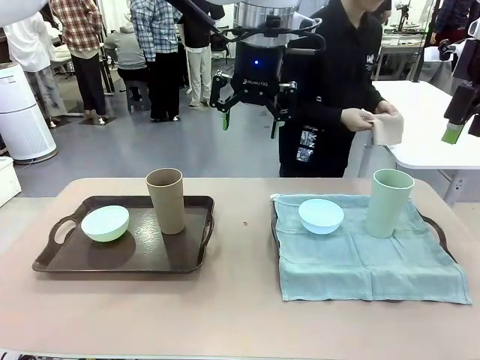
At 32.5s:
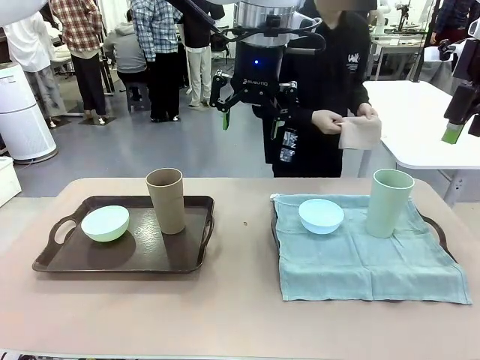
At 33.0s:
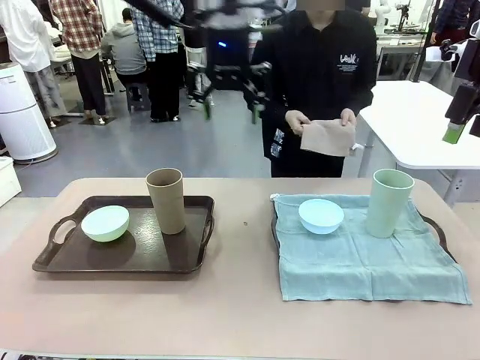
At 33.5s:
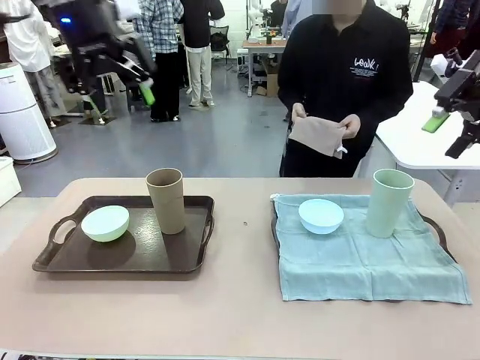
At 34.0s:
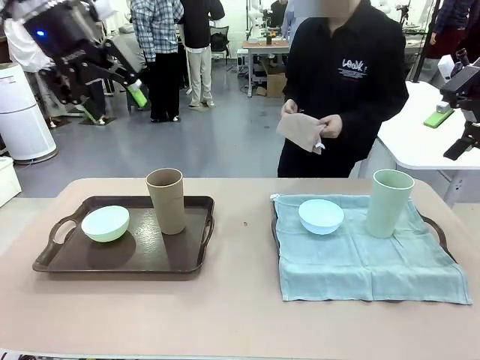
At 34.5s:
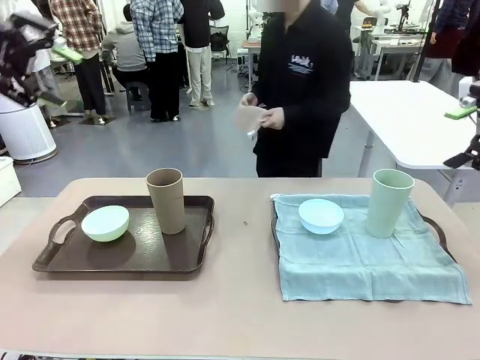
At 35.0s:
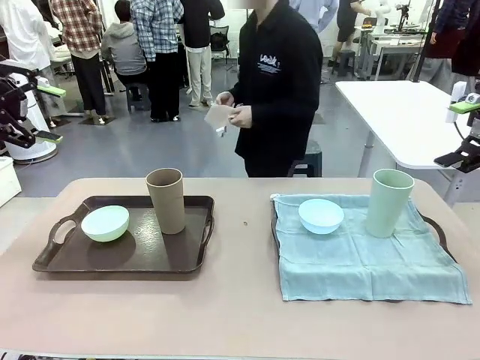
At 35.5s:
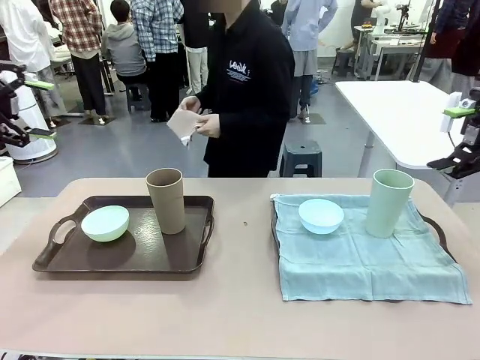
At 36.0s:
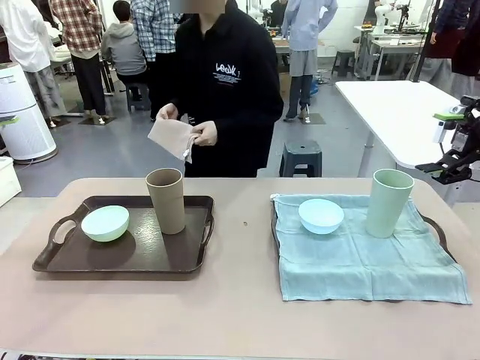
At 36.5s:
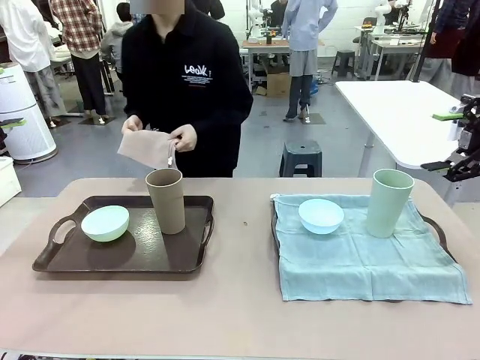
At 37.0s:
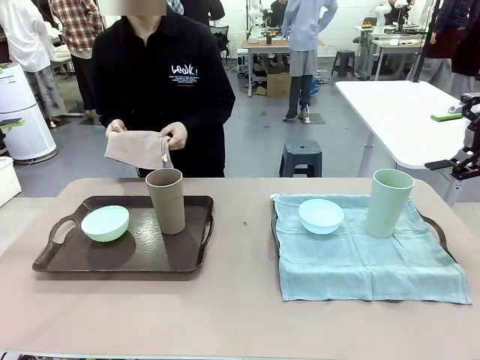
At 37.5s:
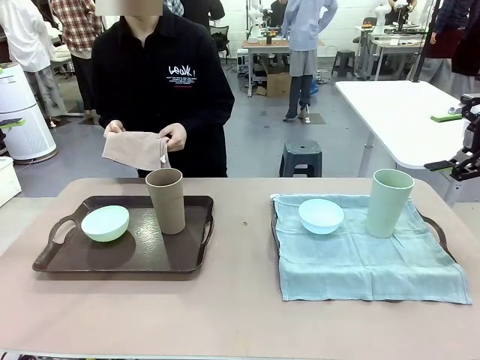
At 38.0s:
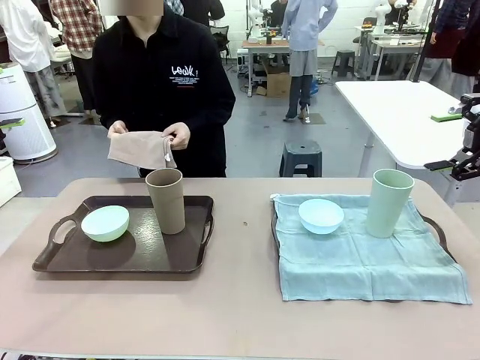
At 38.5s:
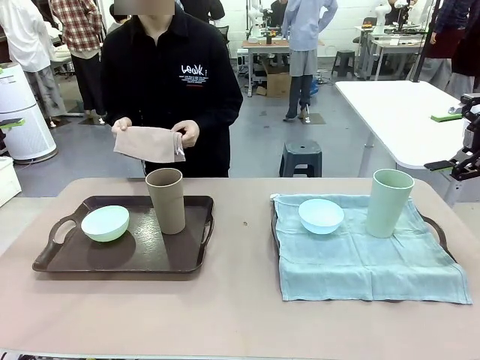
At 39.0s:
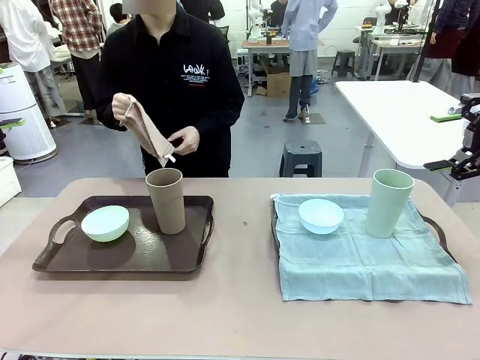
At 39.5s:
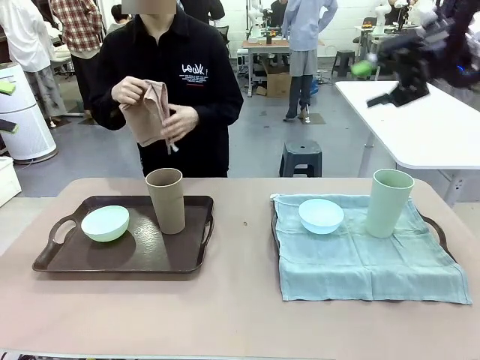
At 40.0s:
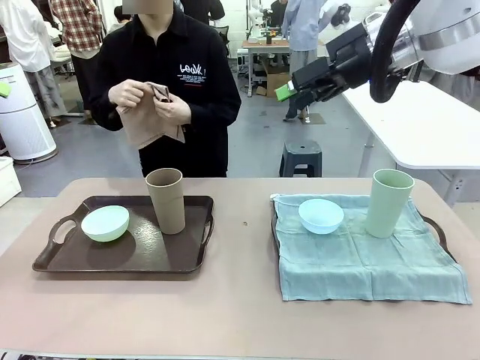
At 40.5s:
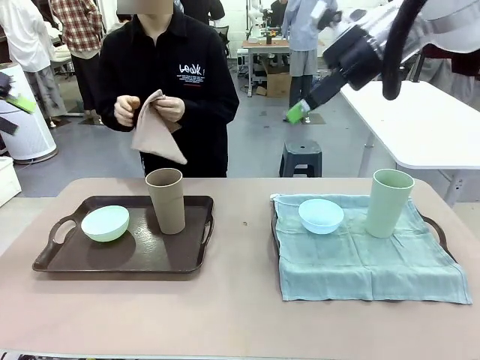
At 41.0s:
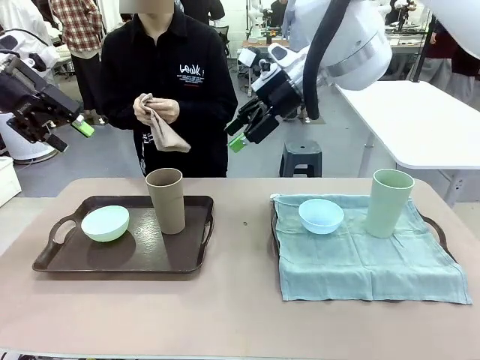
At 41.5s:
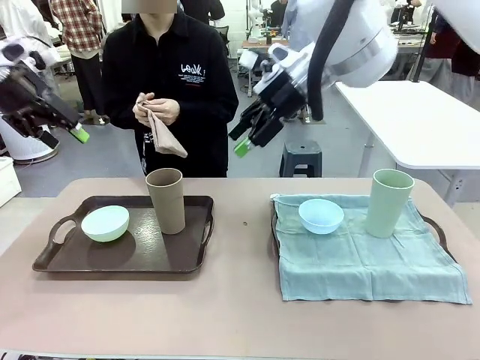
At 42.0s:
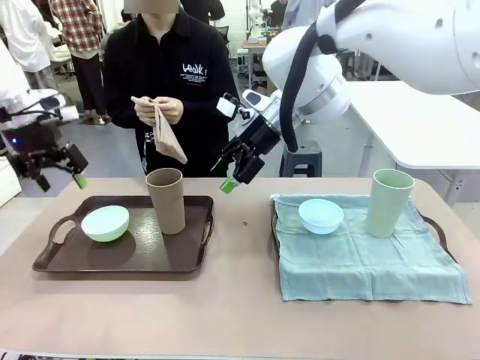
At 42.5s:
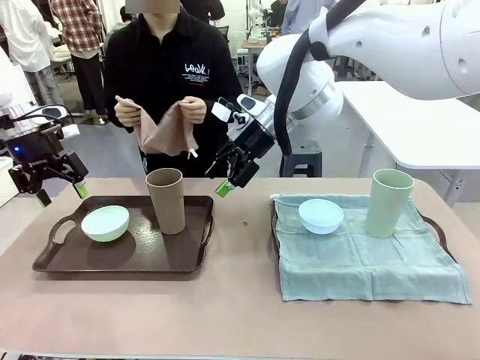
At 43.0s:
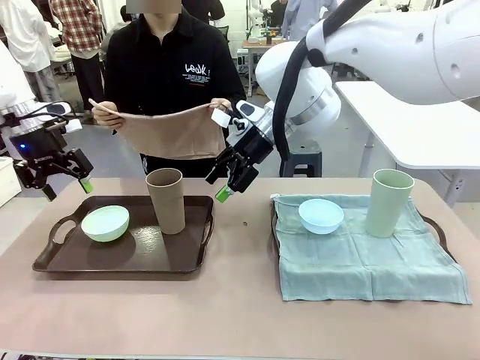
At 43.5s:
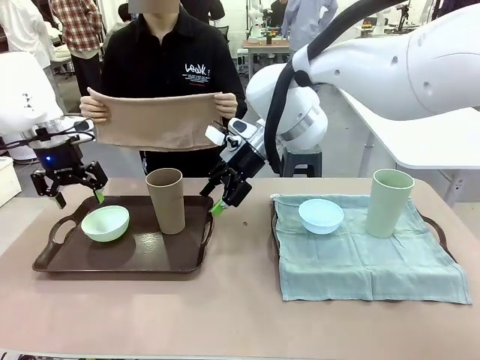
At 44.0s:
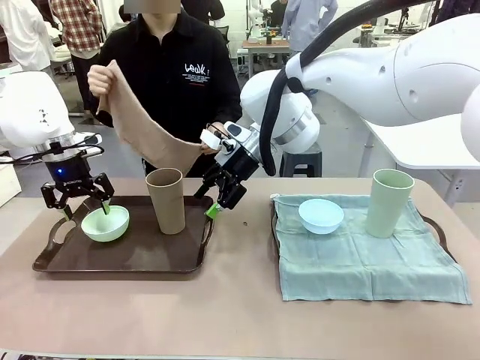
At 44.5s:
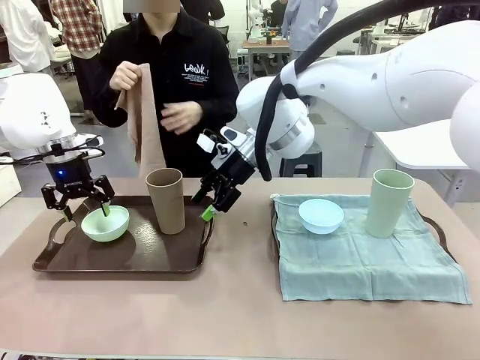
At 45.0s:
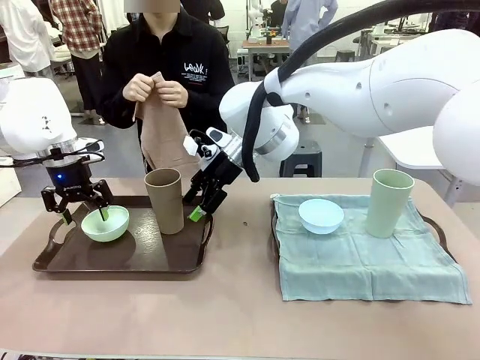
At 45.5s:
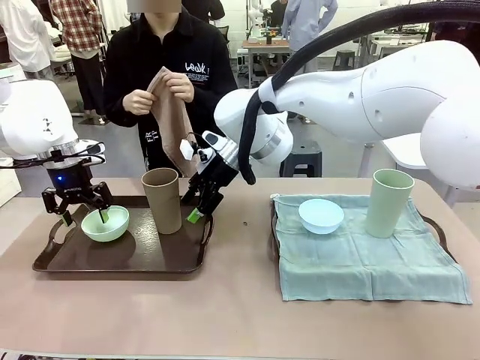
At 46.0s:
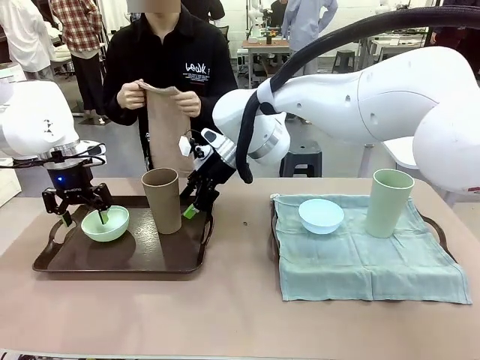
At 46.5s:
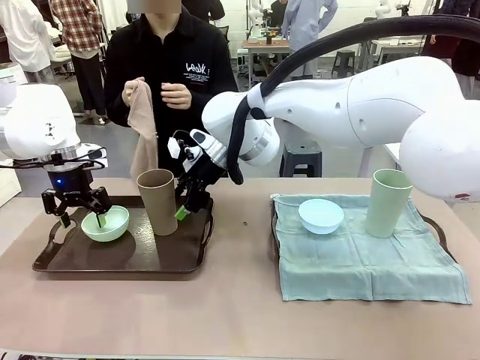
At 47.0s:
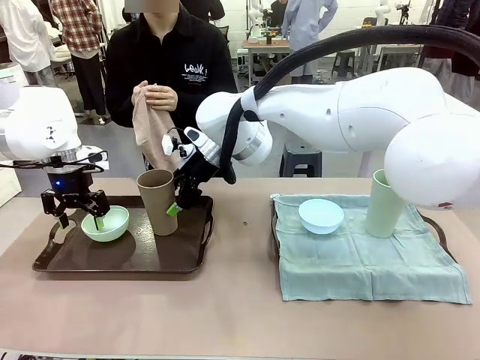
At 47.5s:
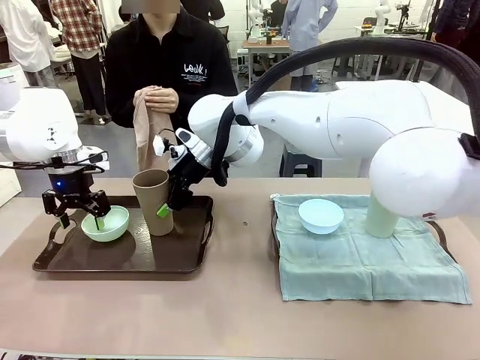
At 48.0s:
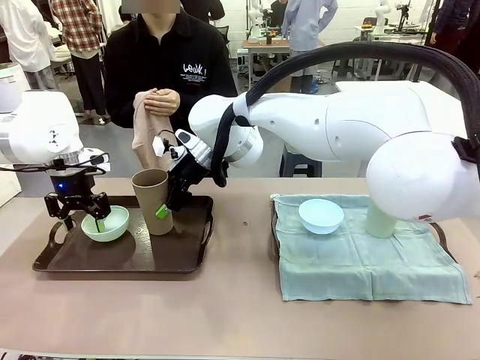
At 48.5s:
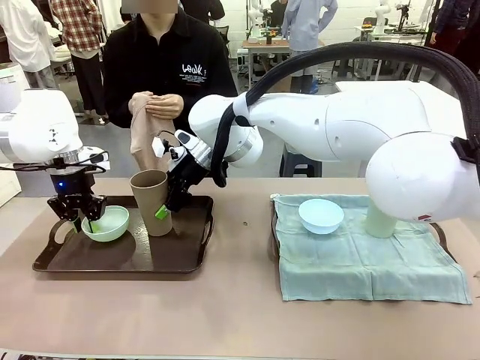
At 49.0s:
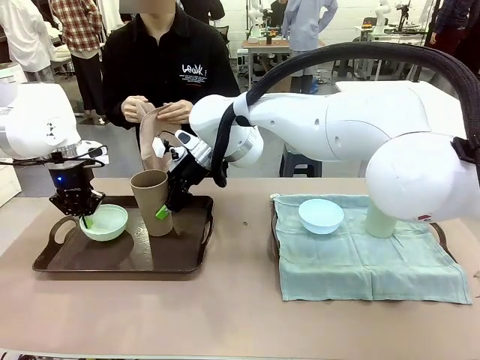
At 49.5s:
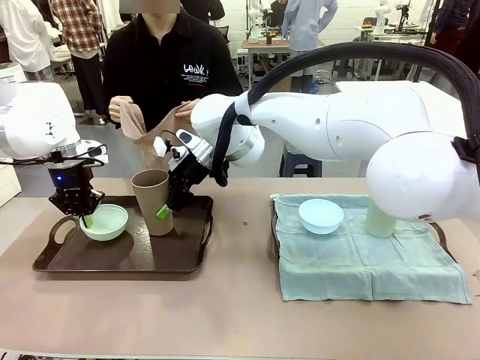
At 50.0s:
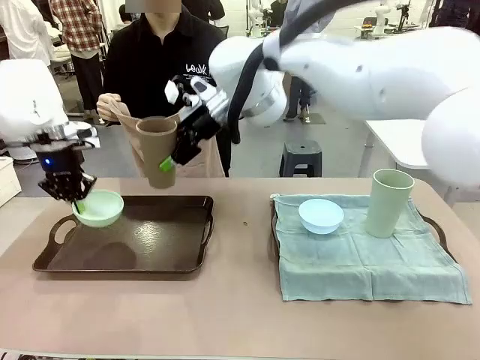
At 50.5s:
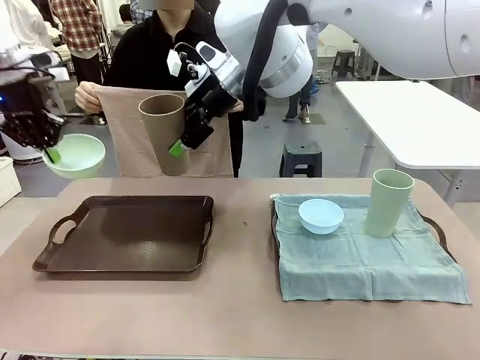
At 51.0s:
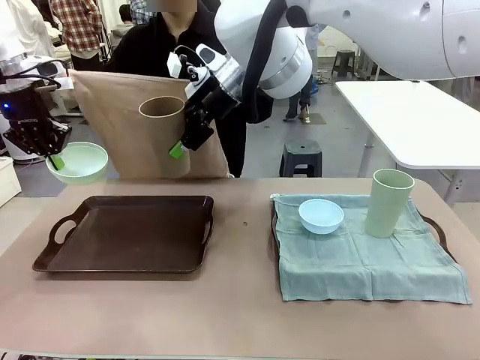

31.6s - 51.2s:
Robot: Pick up the Picnic Bowl and Reusable plastic cup from the Handle tray in front of the human's position and hold them in the air.
Person: The human returns to the human table to pick up another napkin and walks to the robot table to stand in front of the tray without a napkin.

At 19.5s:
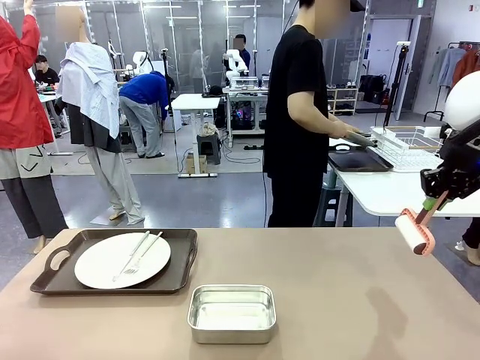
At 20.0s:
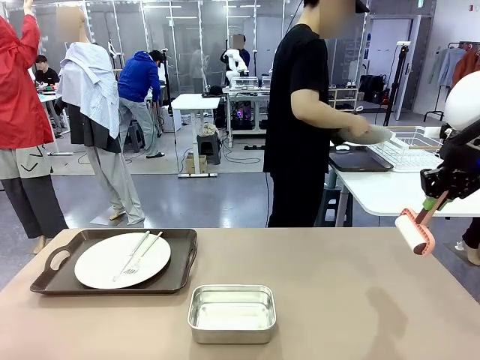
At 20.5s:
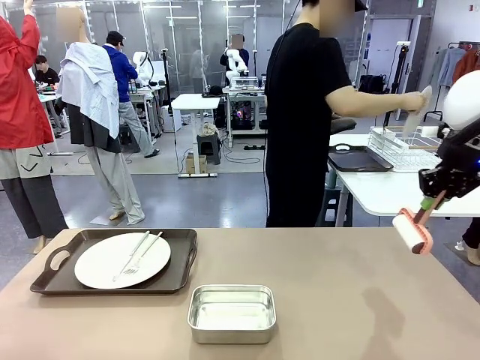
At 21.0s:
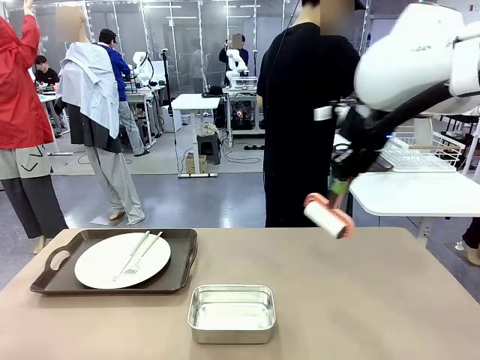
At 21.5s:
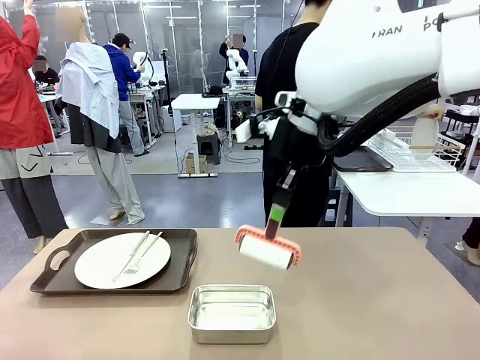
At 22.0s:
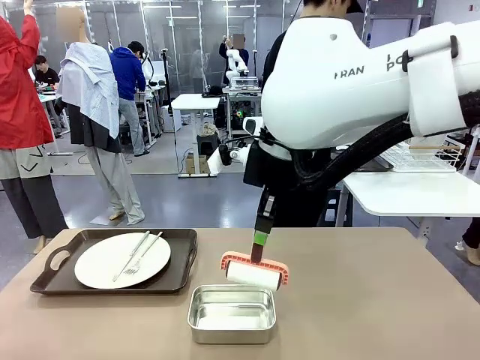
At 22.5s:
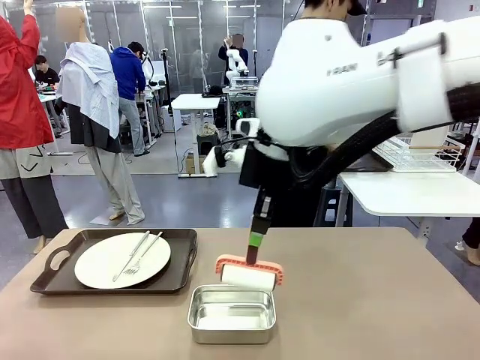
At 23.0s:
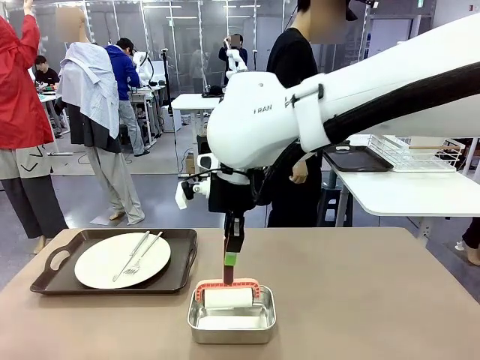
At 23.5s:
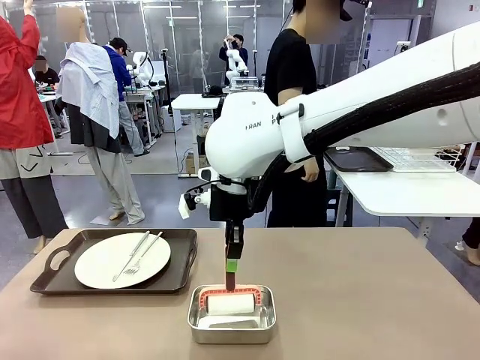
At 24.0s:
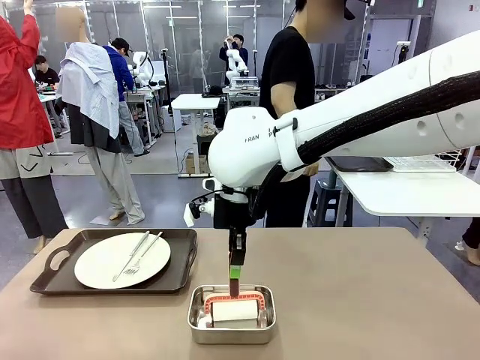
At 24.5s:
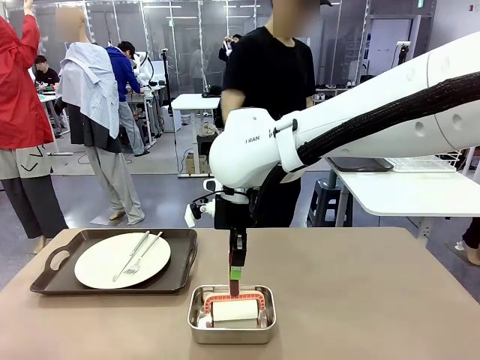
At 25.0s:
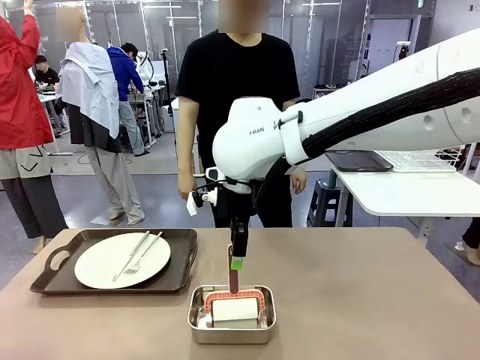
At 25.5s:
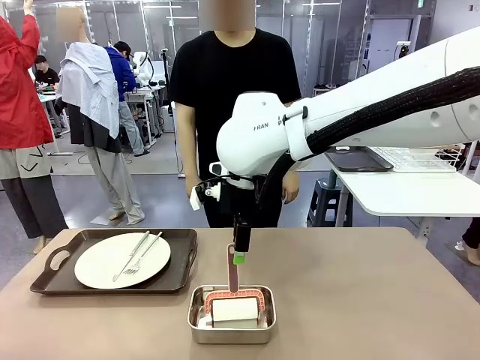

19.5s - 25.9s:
Robot: Place the Lint Roller back on top of the Airtight Container.
